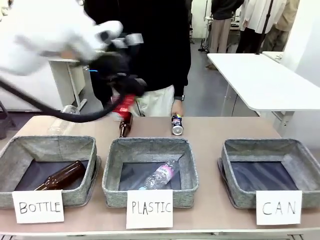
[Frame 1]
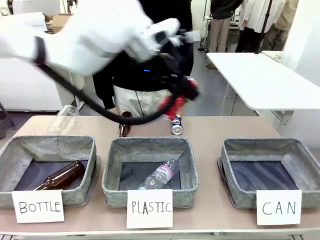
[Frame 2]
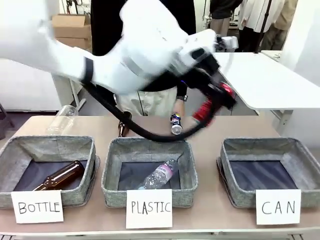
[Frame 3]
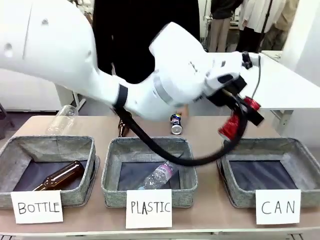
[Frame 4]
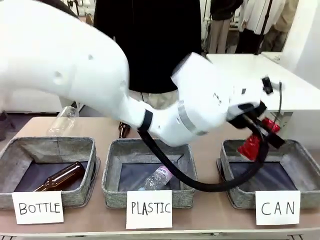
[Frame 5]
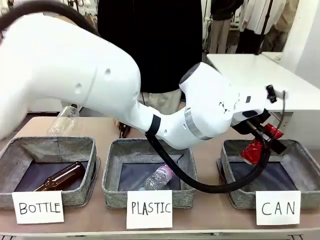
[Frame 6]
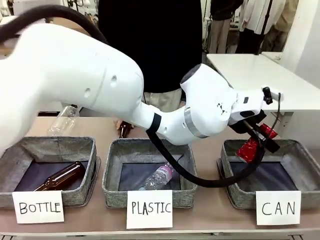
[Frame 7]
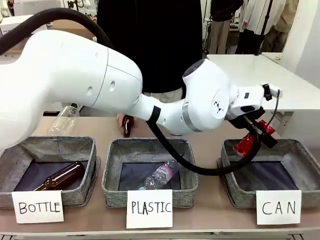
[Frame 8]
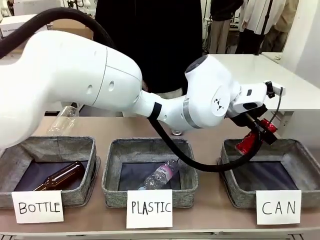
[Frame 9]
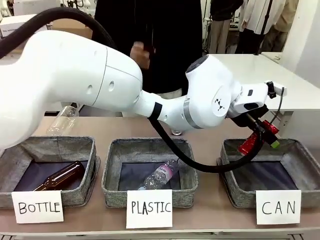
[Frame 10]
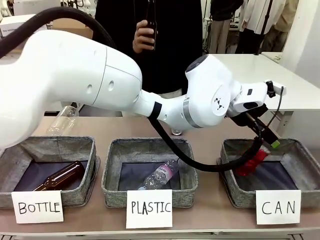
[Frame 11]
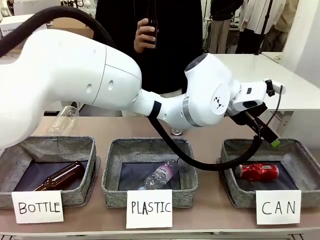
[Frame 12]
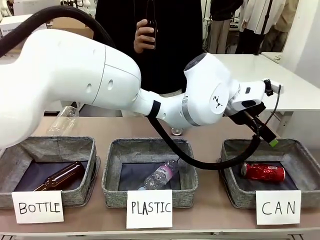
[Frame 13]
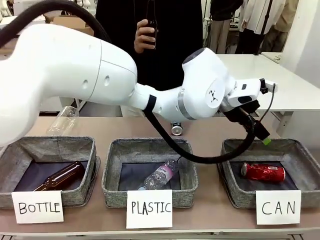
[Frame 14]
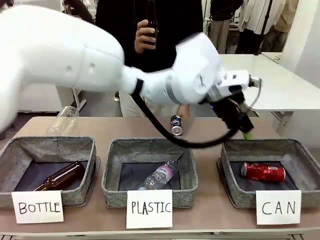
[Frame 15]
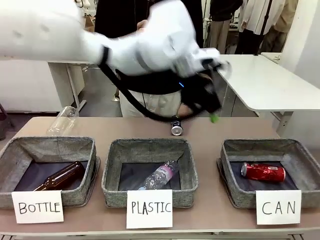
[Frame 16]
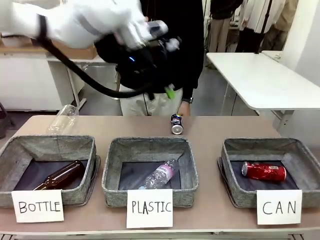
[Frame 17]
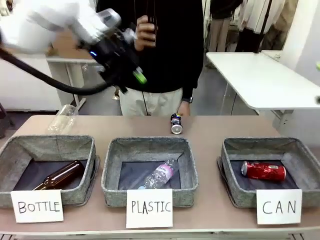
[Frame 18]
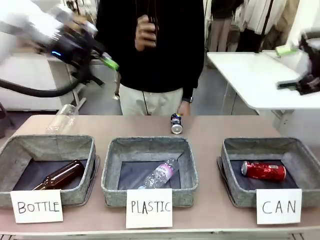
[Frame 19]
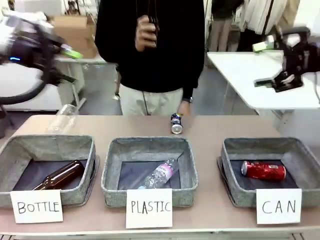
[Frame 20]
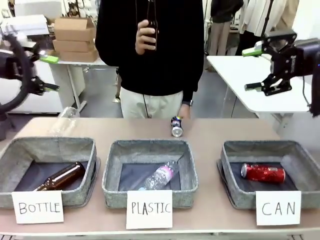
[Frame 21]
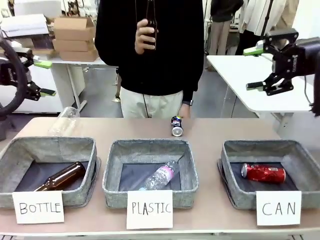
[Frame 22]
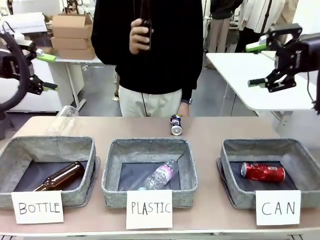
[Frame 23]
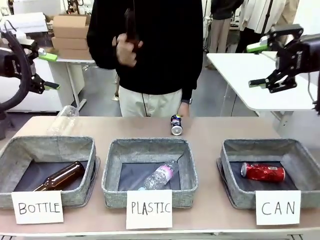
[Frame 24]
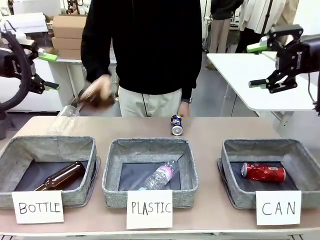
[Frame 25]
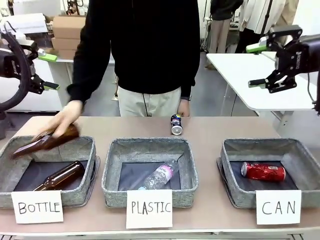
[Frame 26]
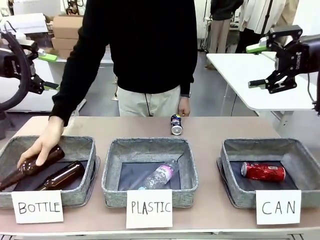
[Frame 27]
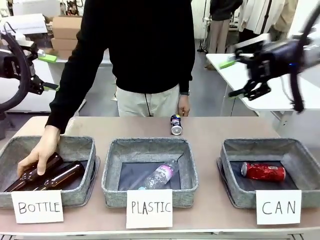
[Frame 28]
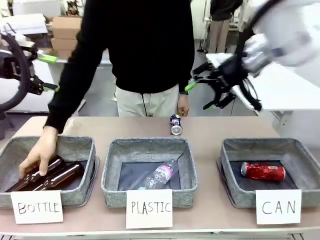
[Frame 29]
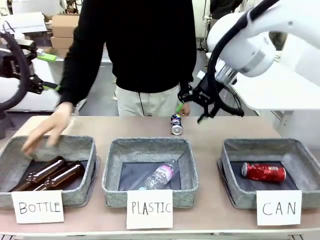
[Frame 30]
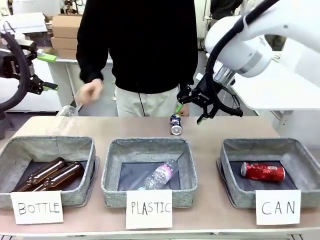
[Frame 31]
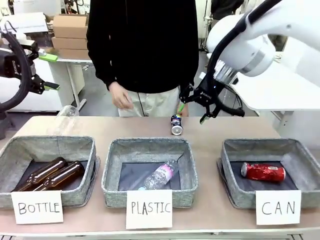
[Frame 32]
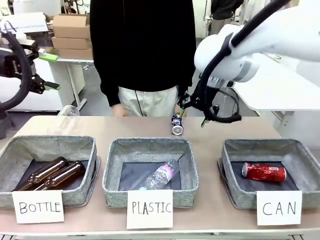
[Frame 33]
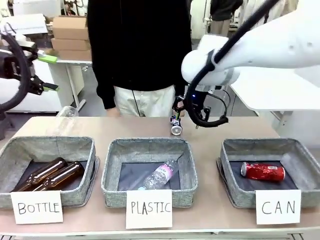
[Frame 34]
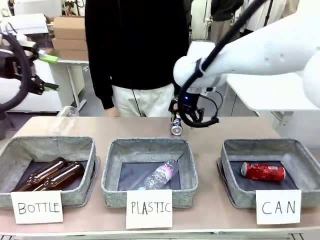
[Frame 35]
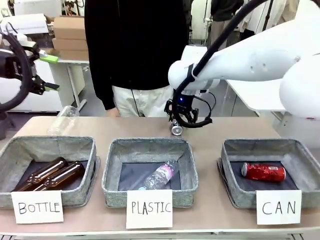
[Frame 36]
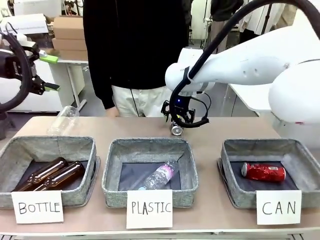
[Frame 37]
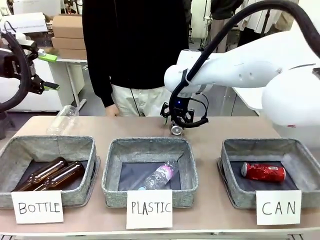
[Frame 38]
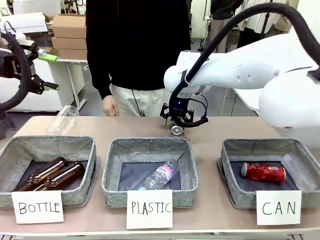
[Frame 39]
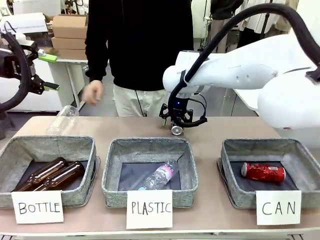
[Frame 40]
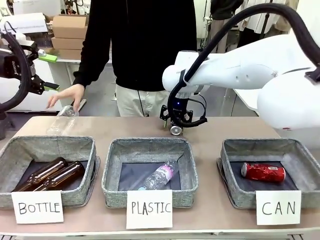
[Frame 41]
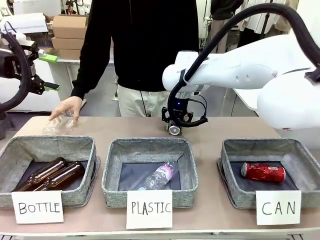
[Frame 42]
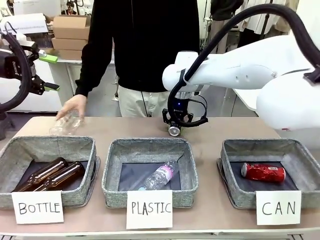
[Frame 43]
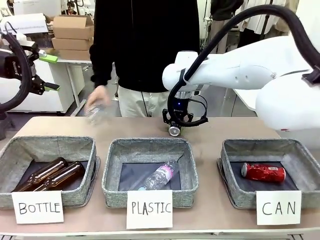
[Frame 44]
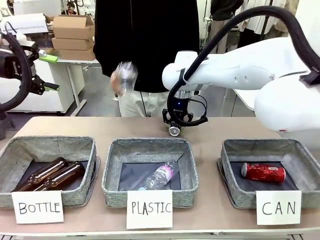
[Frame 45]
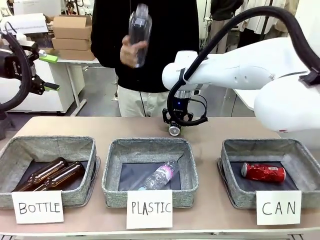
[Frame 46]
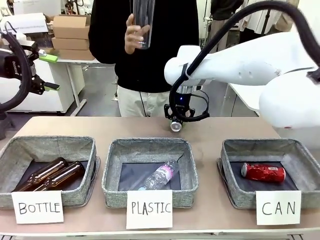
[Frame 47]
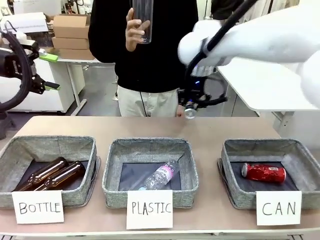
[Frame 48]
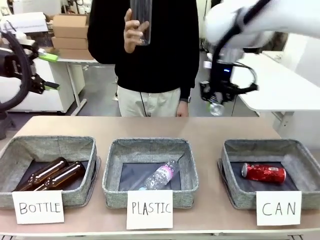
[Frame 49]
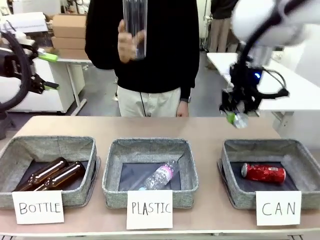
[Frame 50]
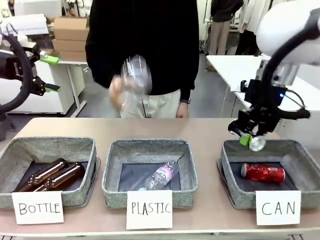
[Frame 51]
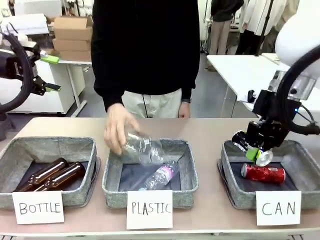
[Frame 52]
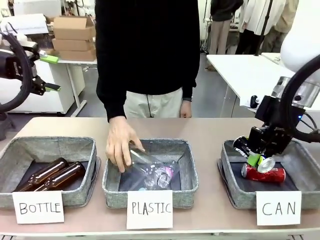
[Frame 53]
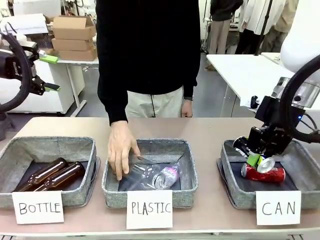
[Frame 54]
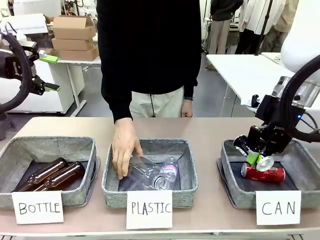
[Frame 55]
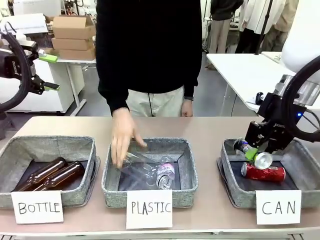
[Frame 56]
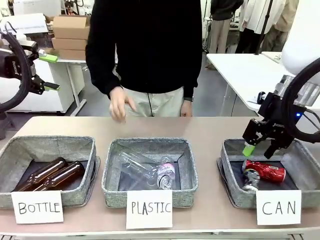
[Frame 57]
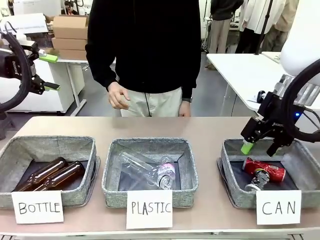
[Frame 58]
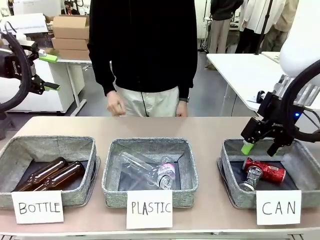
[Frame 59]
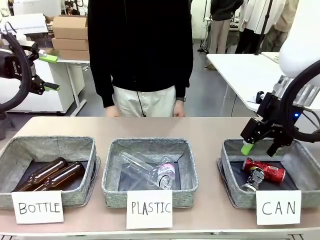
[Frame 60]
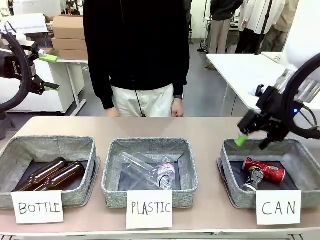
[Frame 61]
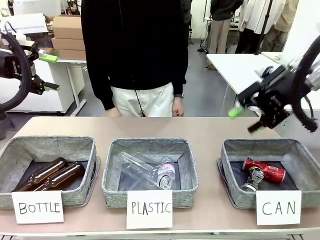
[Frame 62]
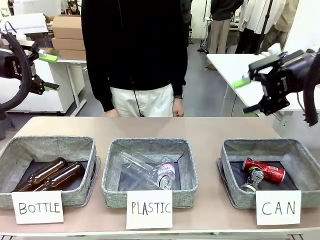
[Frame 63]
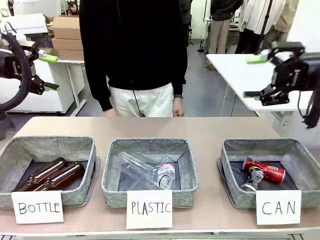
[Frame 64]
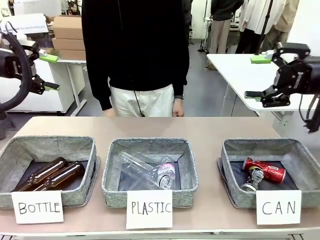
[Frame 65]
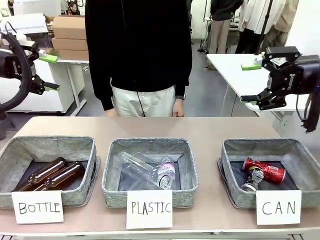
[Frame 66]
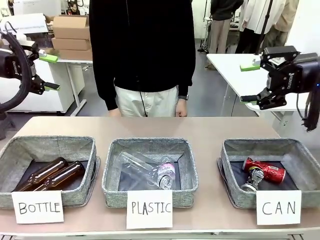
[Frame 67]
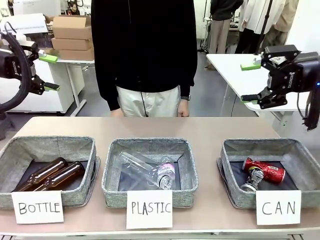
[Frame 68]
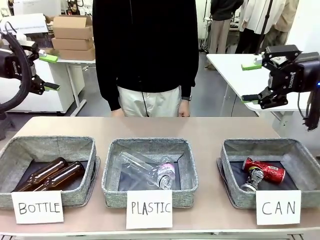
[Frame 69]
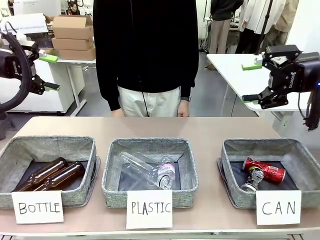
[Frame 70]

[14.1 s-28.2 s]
Task: Sort the can waste into the basket.
Robot: Pick up the can waste from the table and place it in the right Fabric basket.
